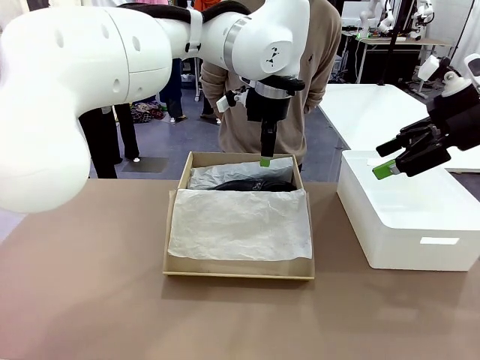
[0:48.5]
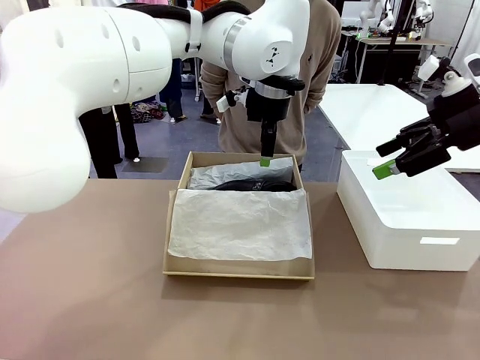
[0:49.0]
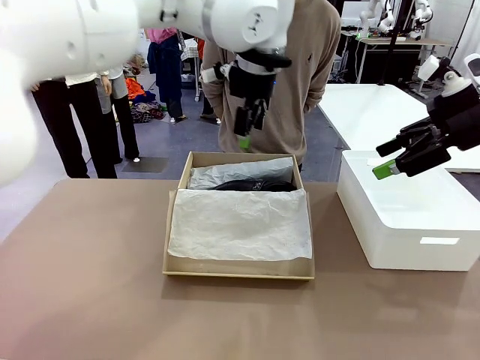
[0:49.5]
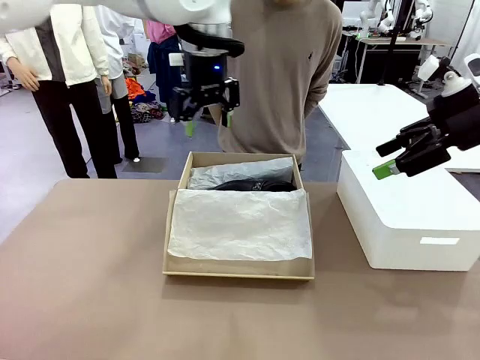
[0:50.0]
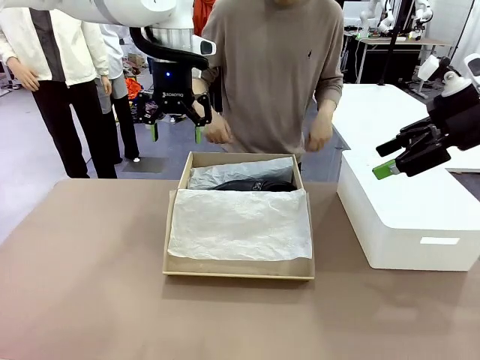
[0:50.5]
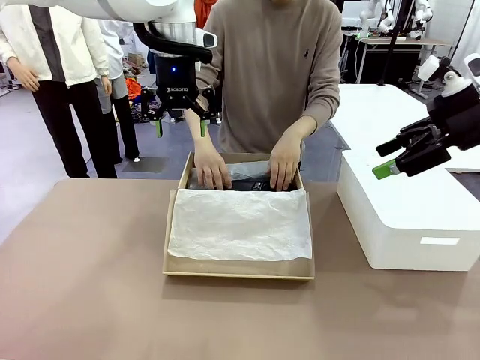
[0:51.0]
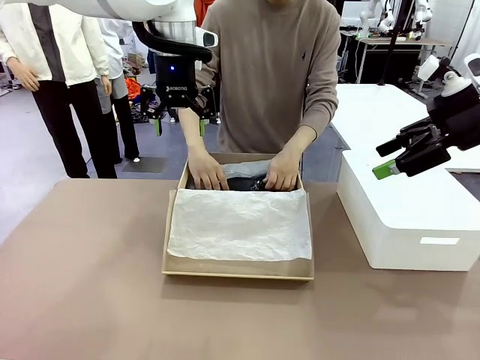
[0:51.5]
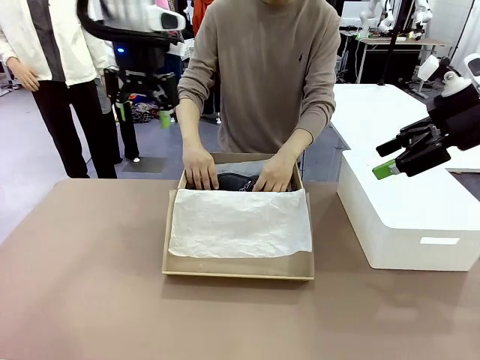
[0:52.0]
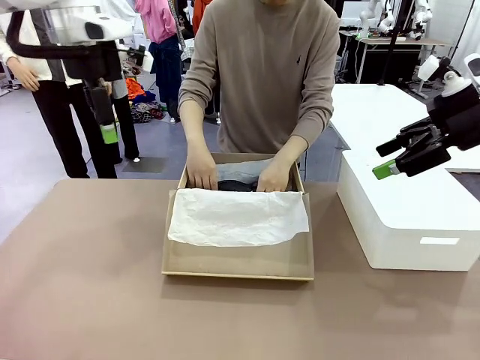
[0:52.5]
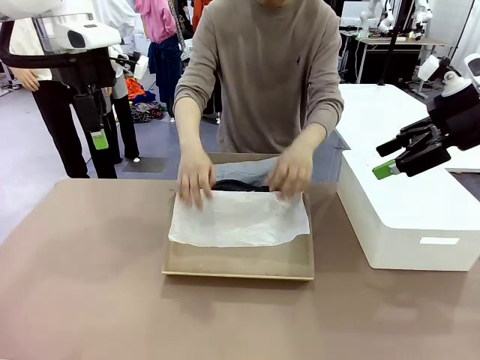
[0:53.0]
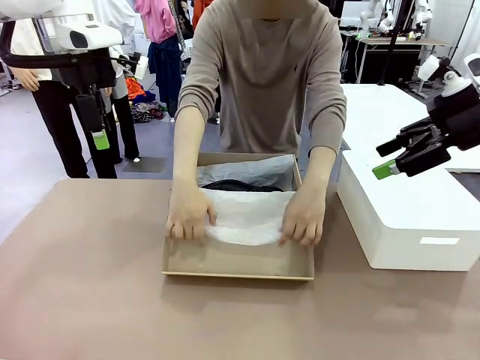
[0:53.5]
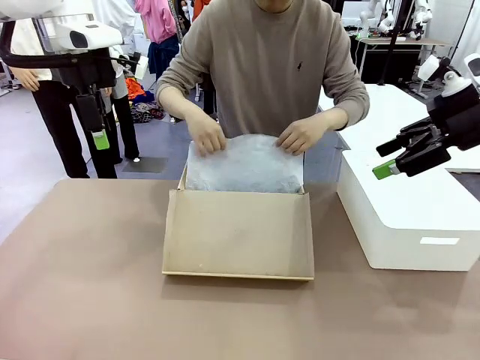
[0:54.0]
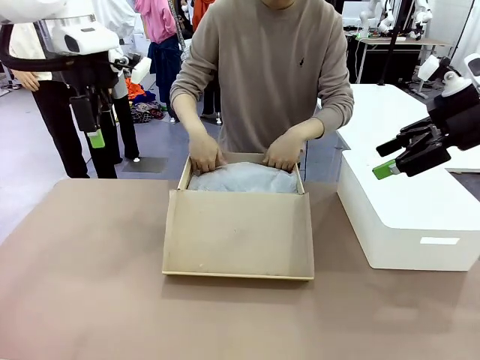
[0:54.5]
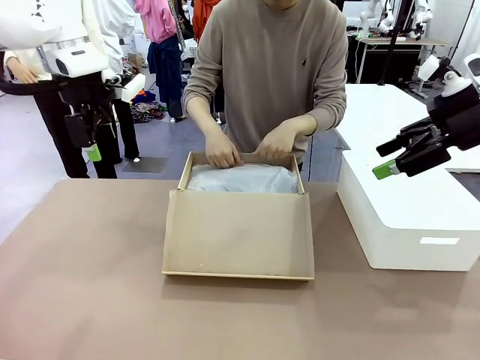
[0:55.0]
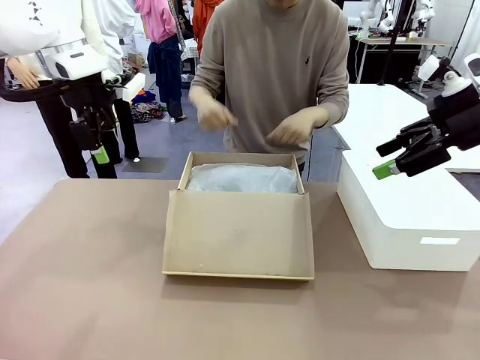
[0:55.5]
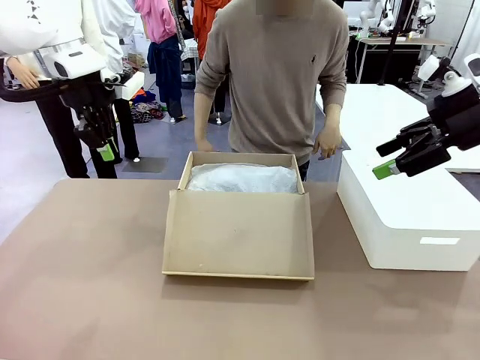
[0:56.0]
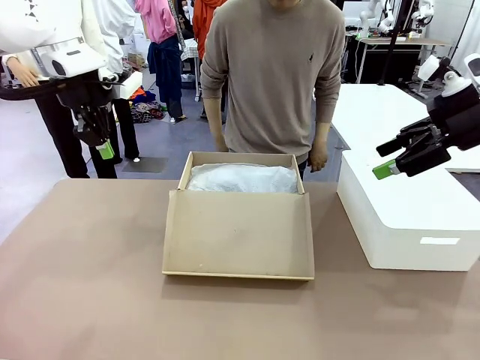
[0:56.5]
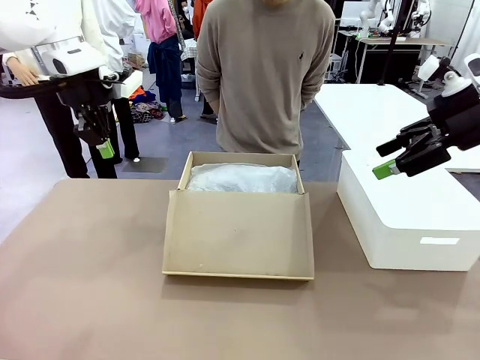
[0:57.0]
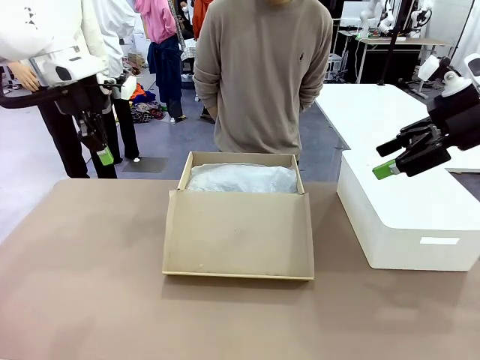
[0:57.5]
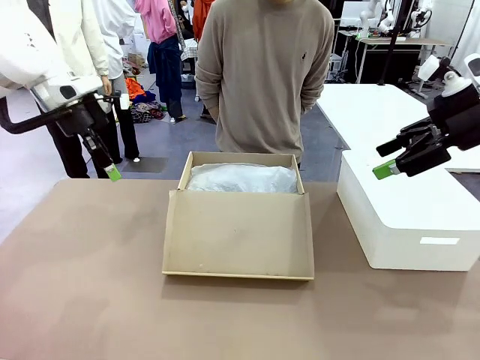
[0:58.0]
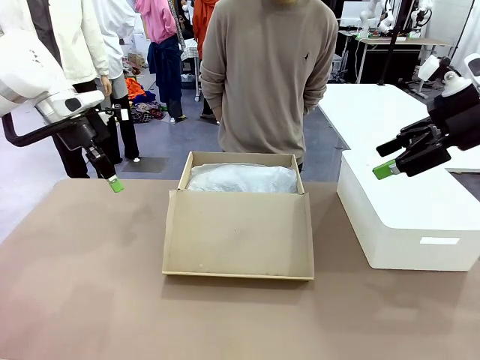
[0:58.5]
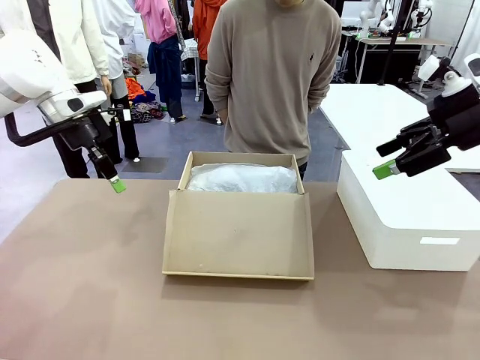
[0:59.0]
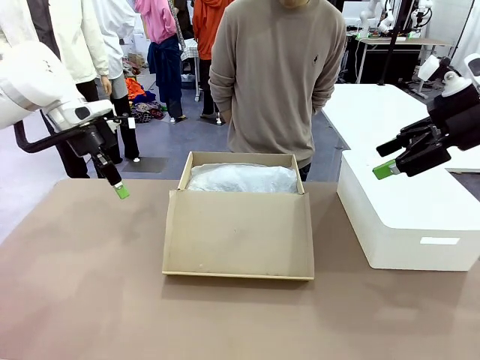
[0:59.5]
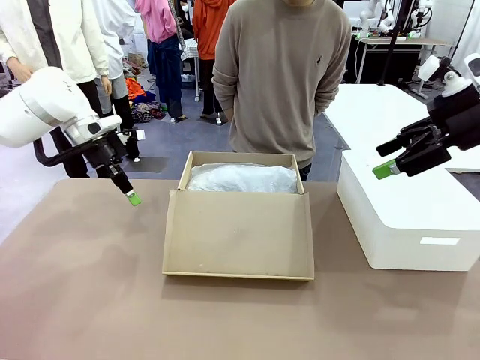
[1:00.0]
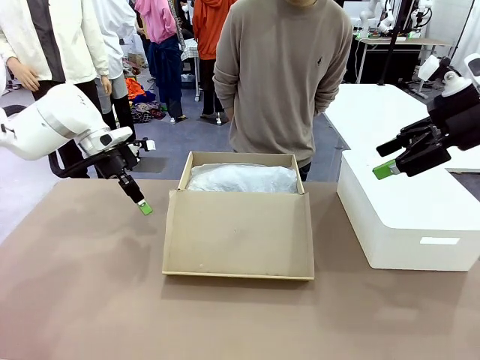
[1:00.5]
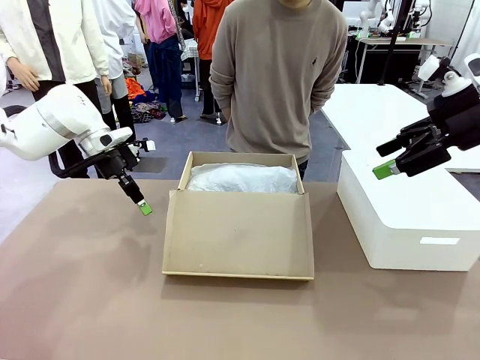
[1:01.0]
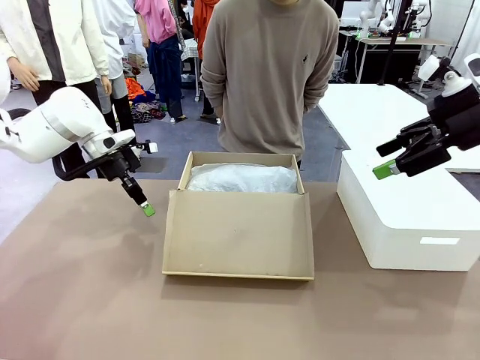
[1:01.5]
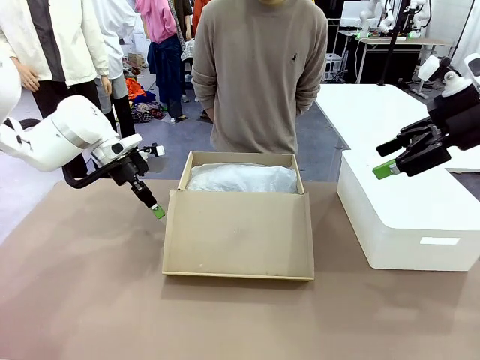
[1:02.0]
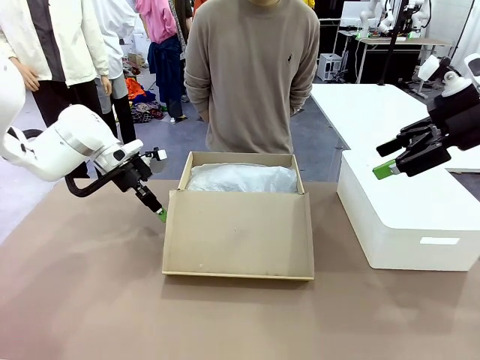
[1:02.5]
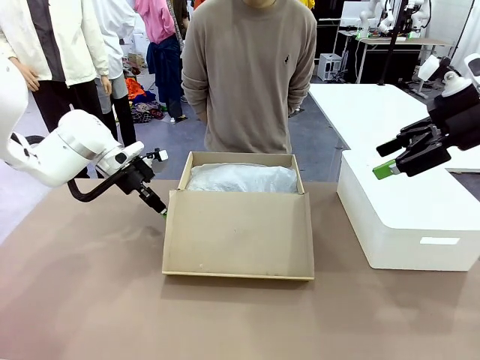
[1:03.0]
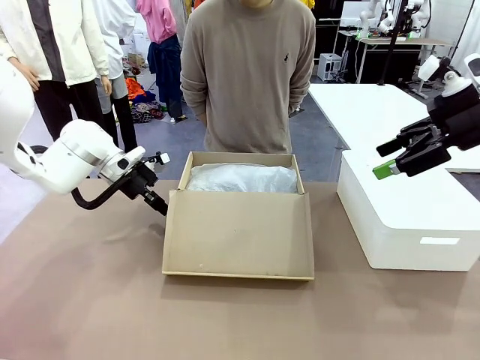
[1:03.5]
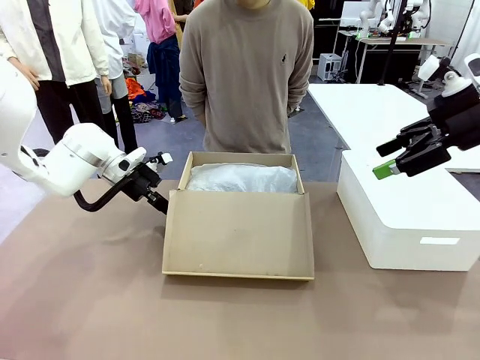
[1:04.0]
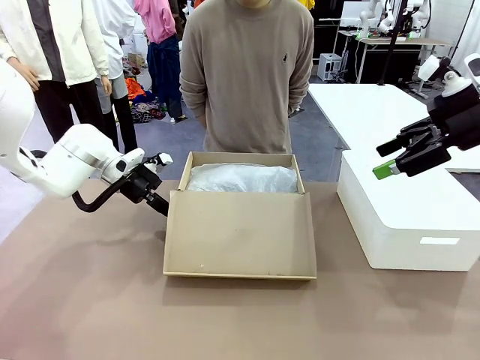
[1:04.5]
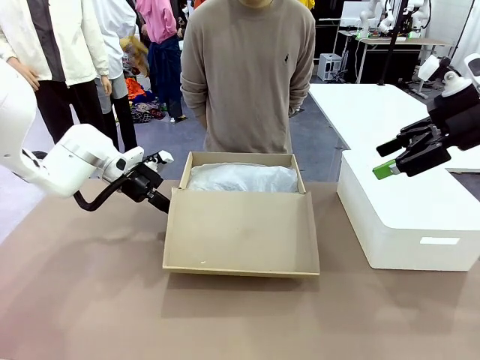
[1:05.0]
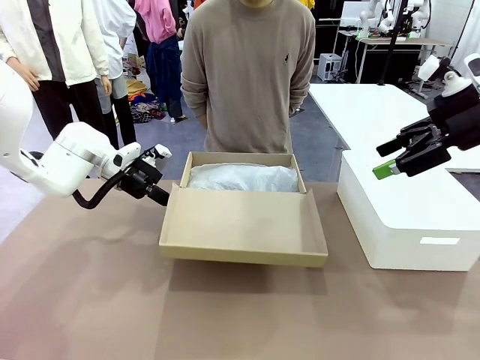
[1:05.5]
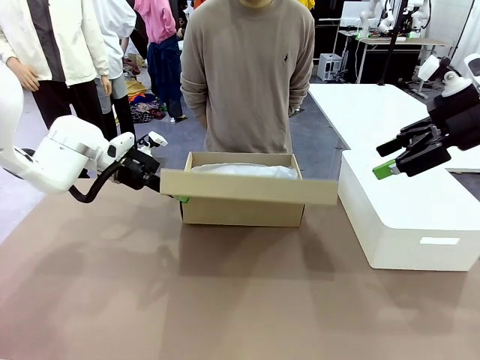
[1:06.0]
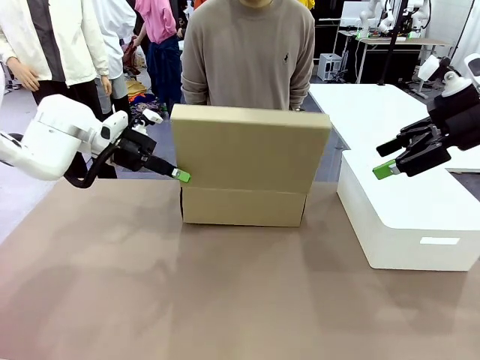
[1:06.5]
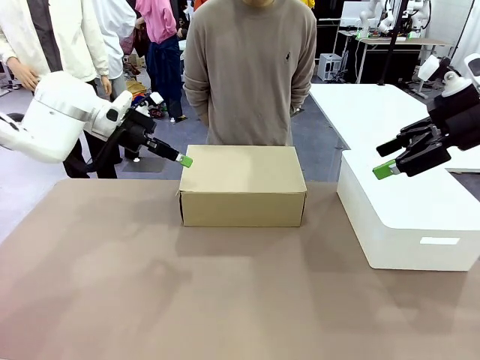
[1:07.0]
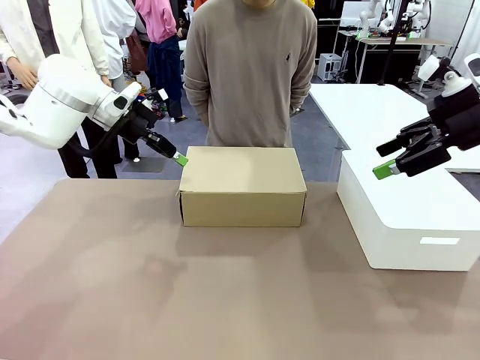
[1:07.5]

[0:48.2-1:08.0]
Task: Pack the shoes into the box.
Robot: Close the Shoes Box.

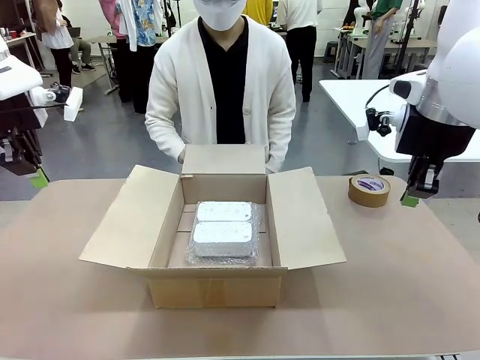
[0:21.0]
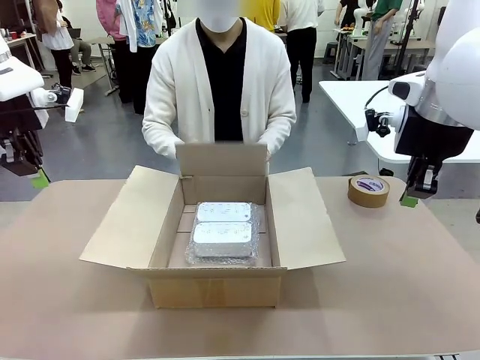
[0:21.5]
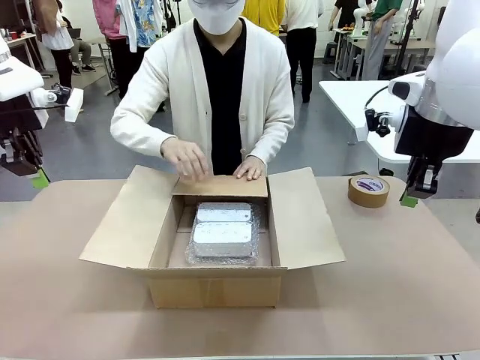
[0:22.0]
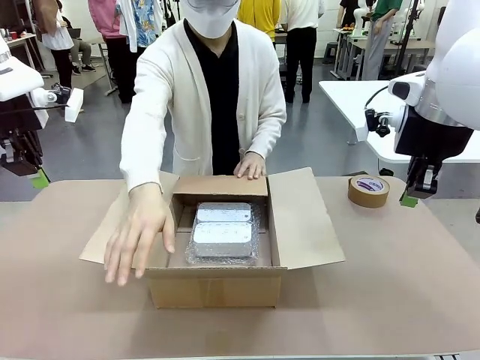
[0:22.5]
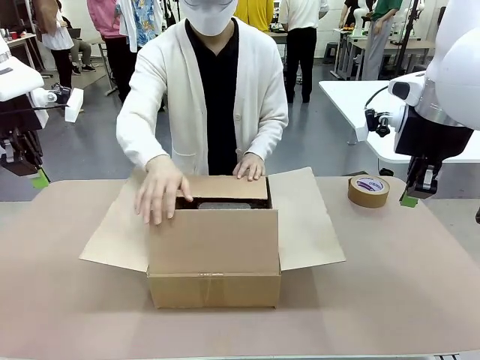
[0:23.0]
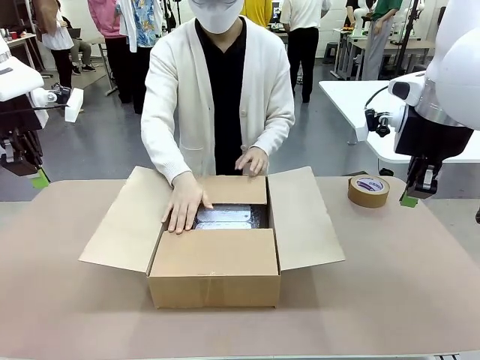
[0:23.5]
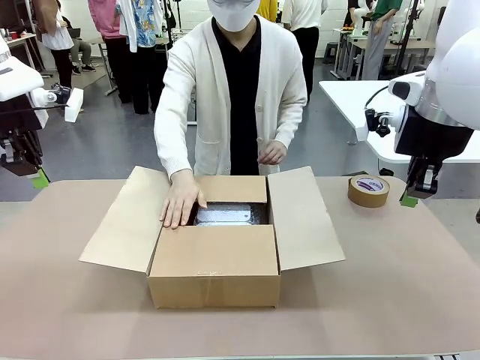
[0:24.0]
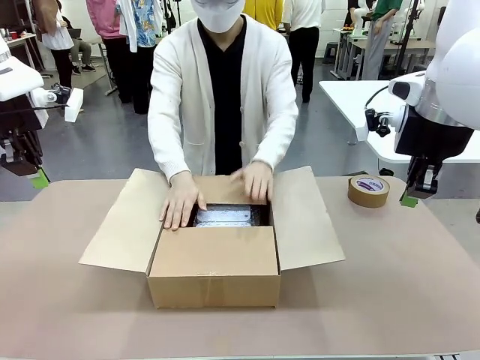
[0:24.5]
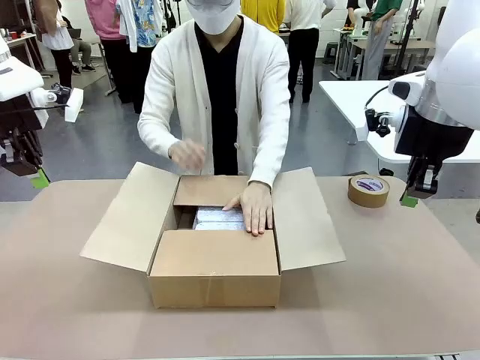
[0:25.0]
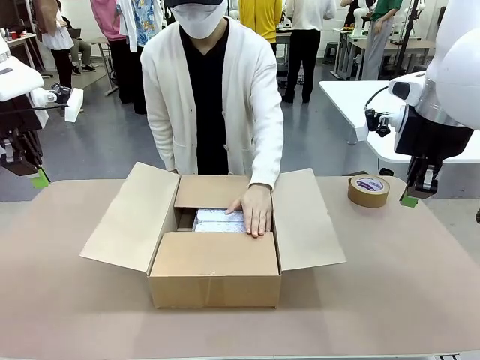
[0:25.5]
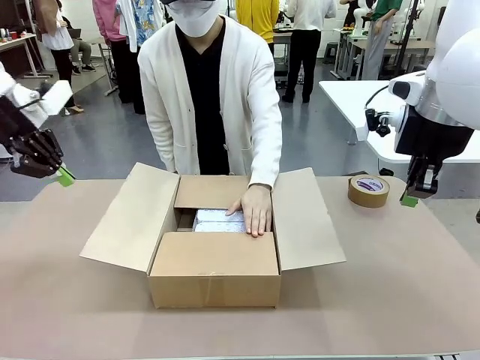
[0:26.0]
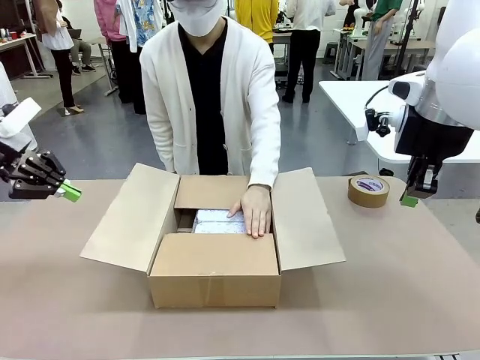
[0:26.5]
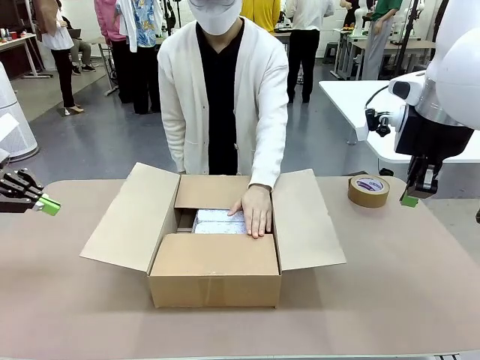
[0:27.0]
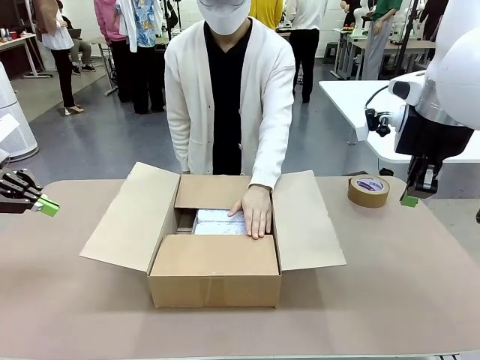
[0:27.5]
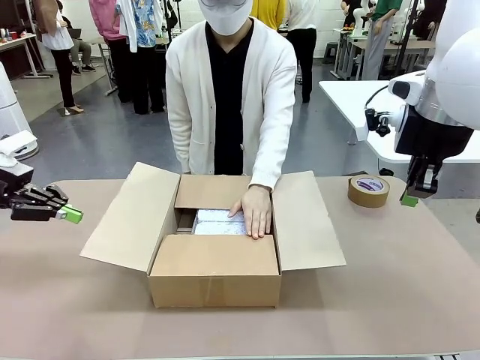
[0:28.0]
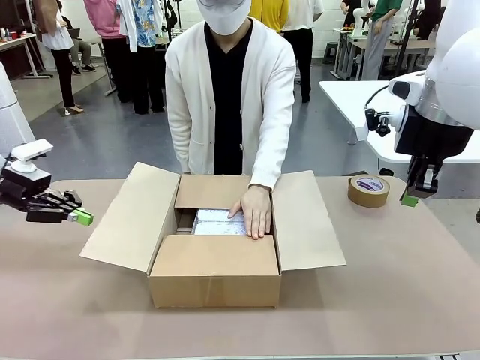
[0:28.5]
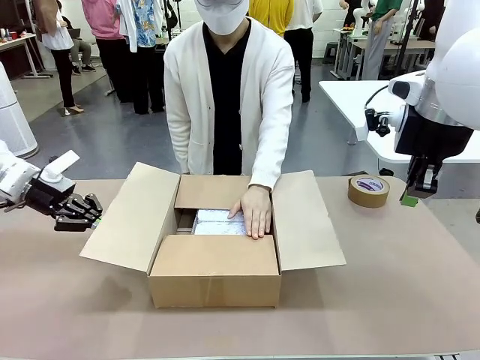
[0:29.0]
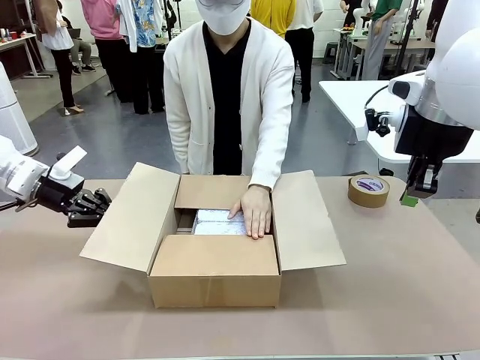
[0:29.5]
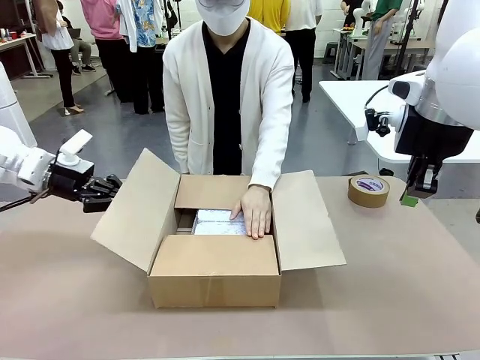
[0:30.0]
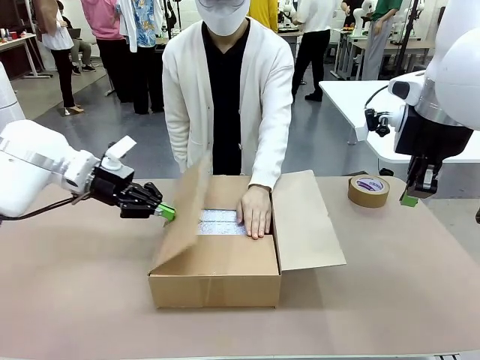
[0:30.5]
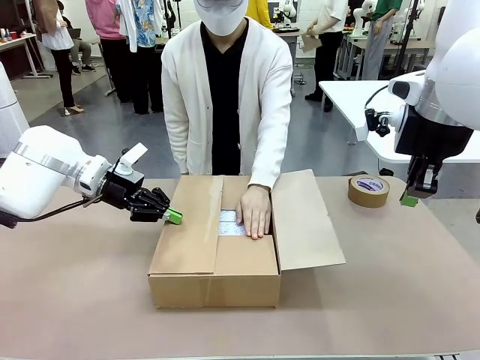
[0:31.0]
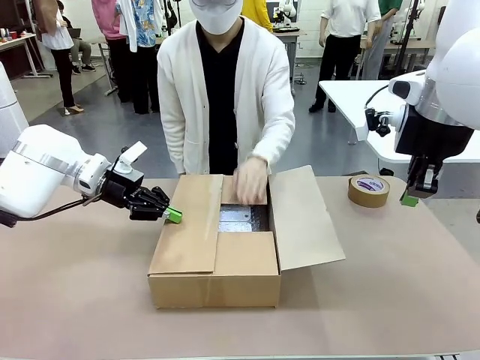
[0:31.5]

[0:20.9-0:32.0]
Task: Wrap the clocks to prevent damage.
Robot: Push the right (or left) flap of the Package Box to close it.
Person: Hold the top and bottom flaps of the Package Box closed with your left (or right) hand. Once the robot closes the right flap of the Package Box , release your left hand from the box.
